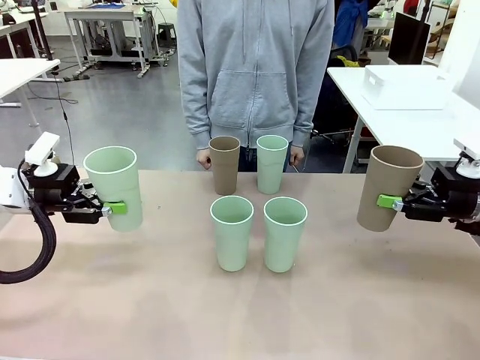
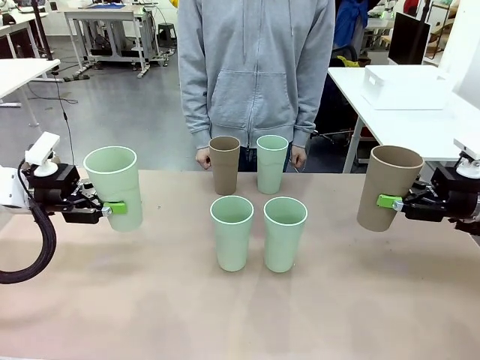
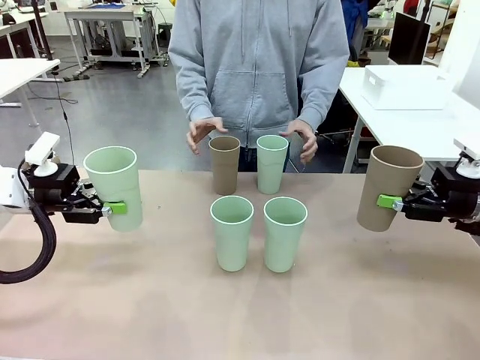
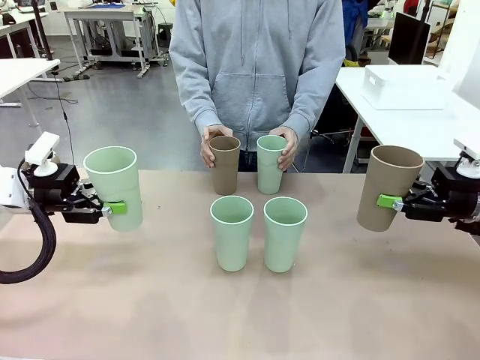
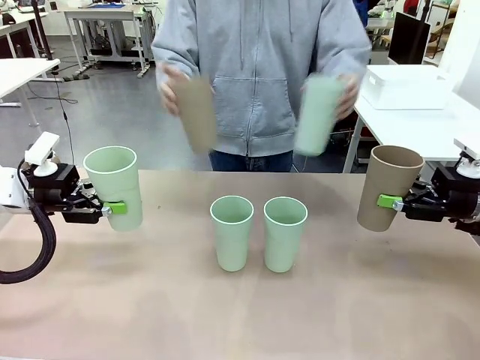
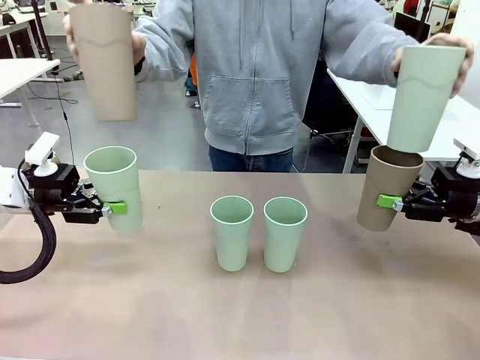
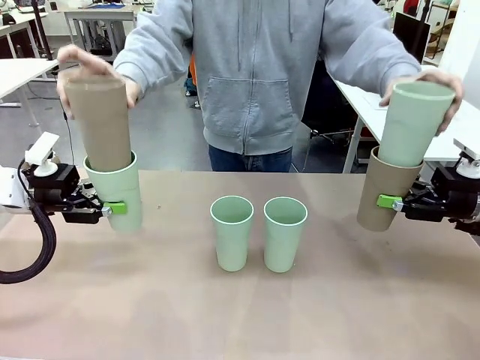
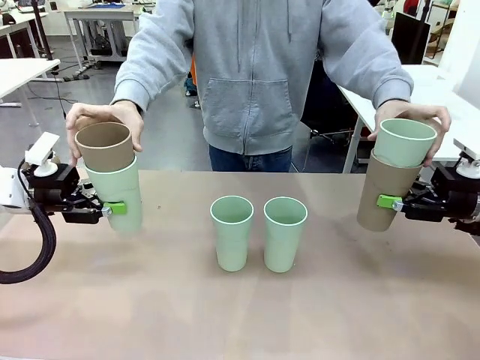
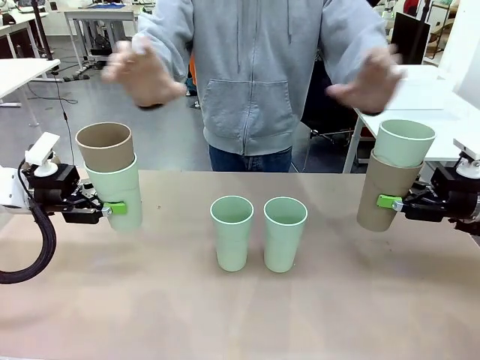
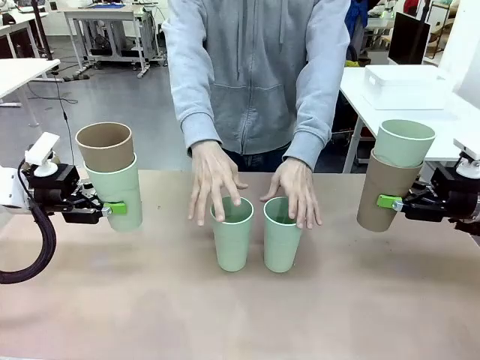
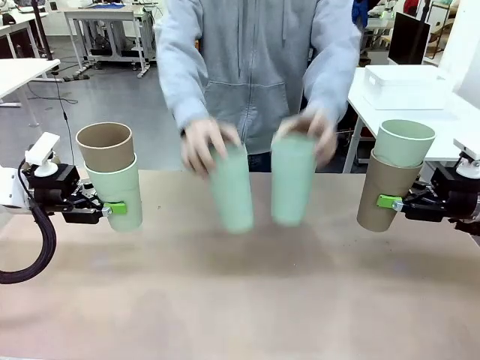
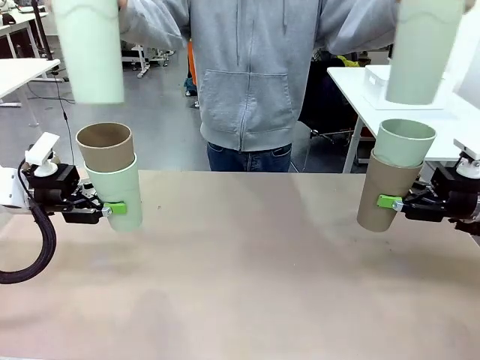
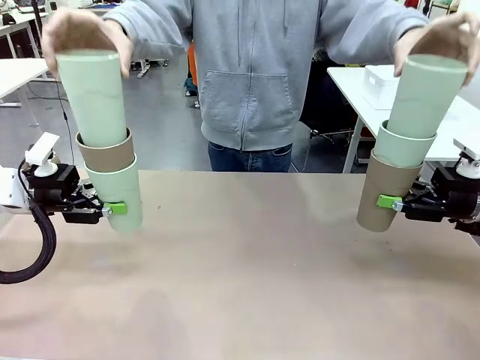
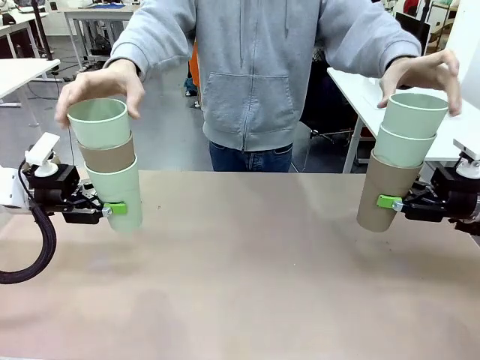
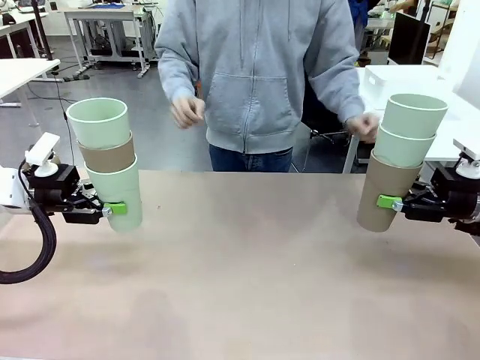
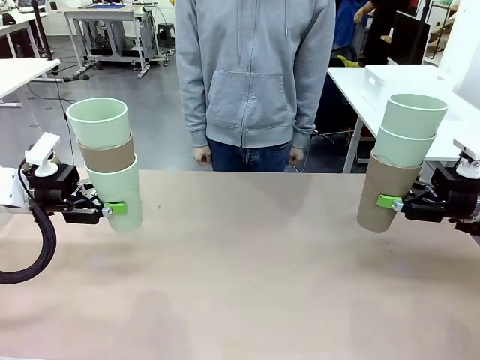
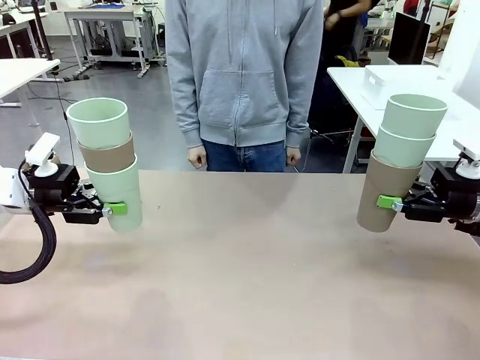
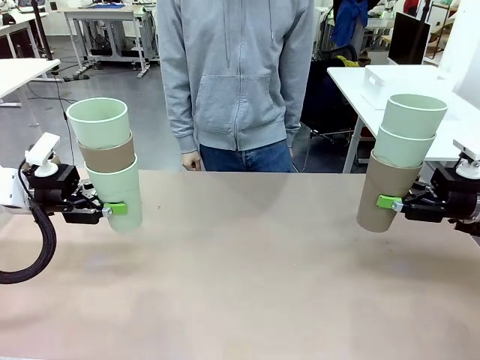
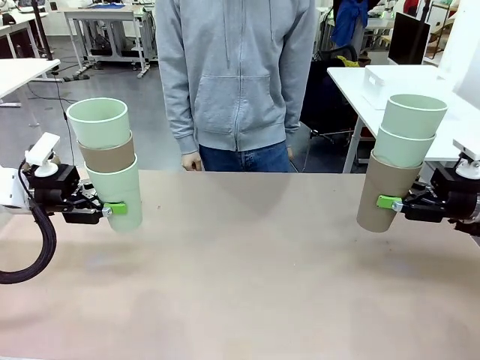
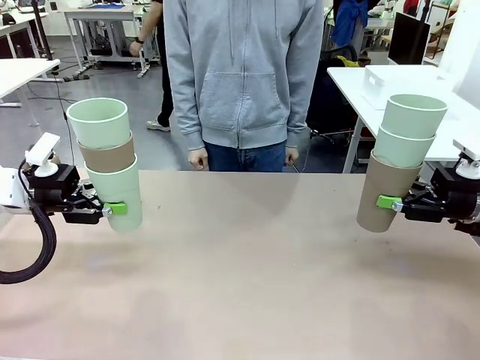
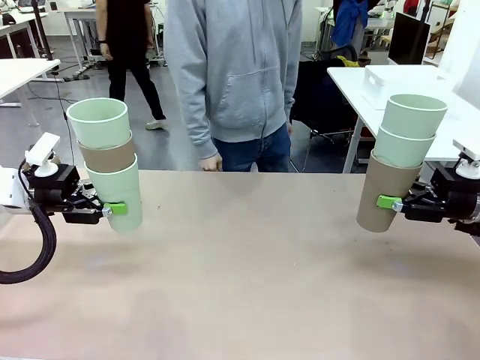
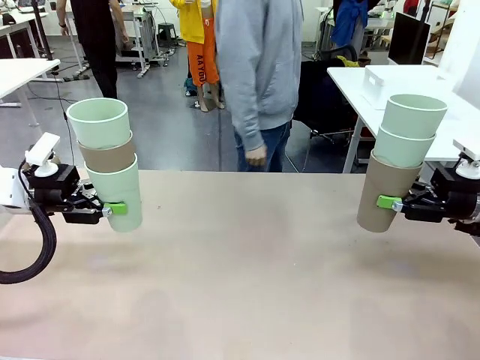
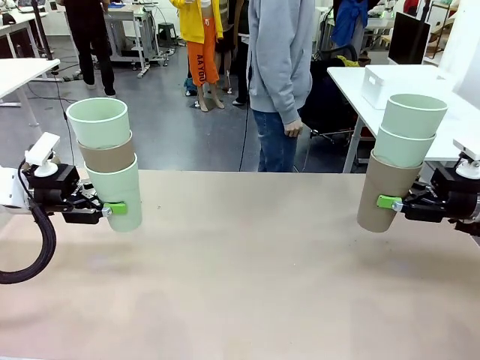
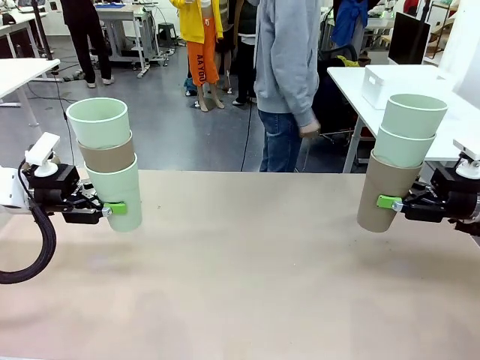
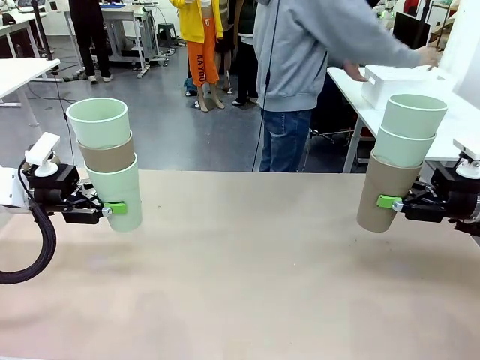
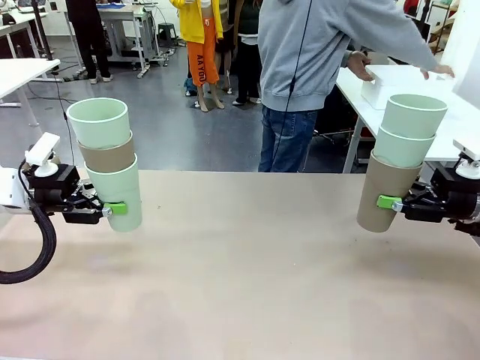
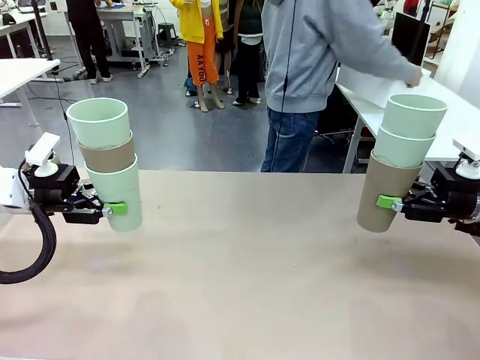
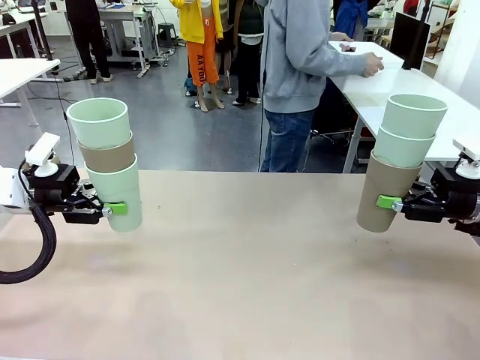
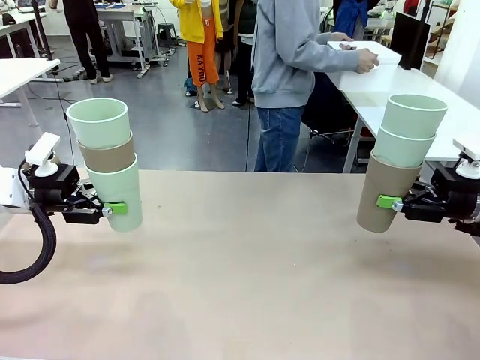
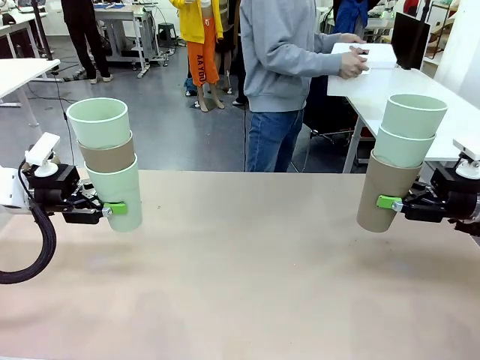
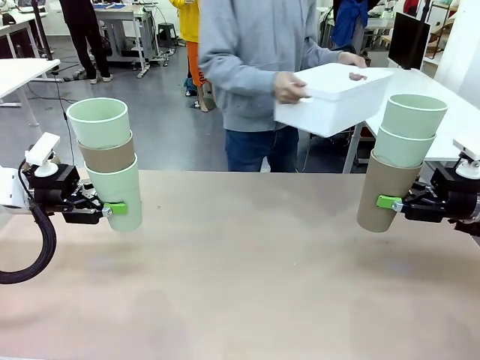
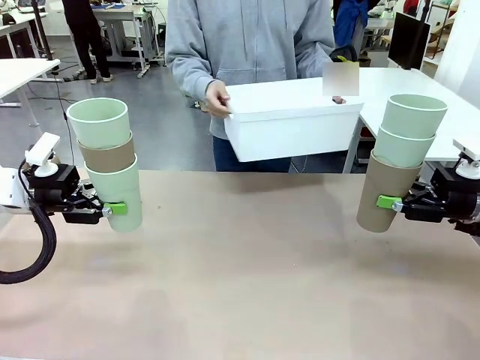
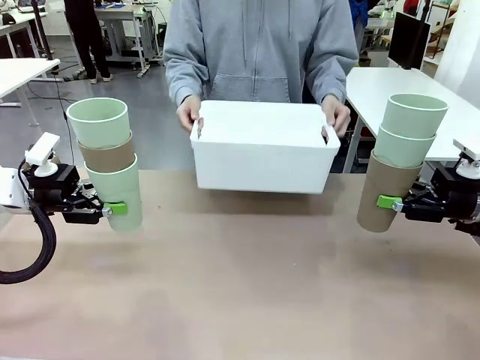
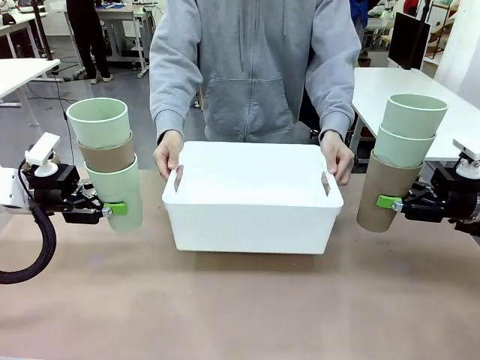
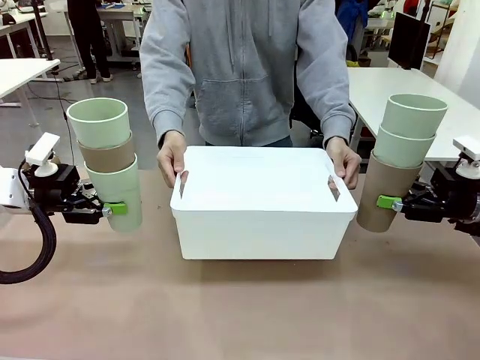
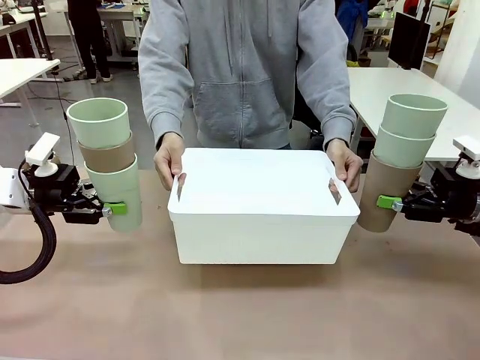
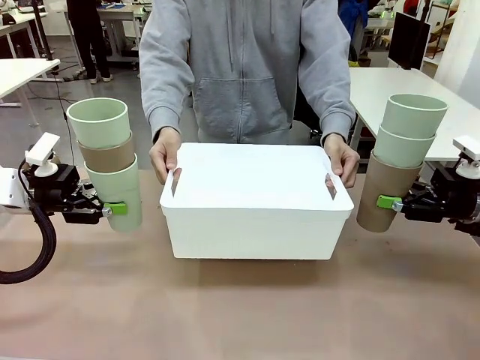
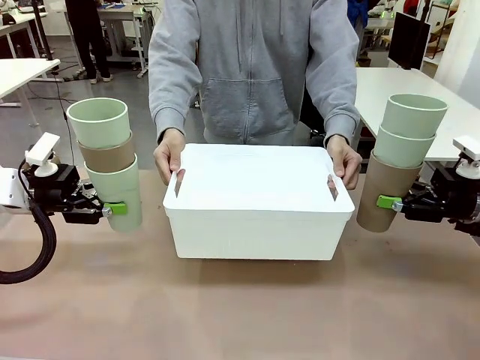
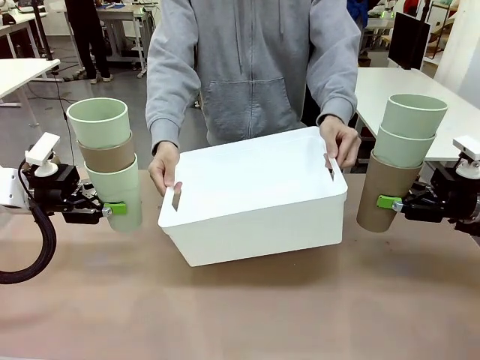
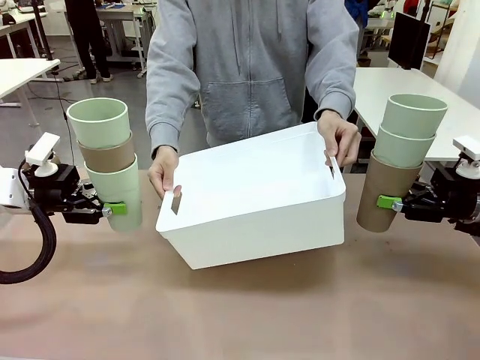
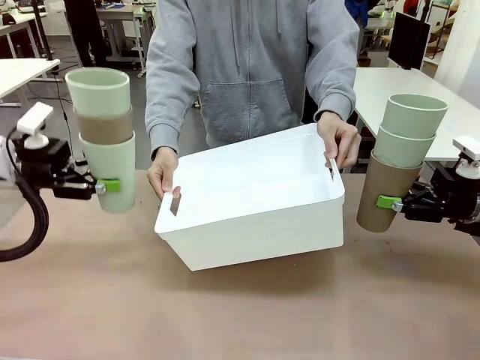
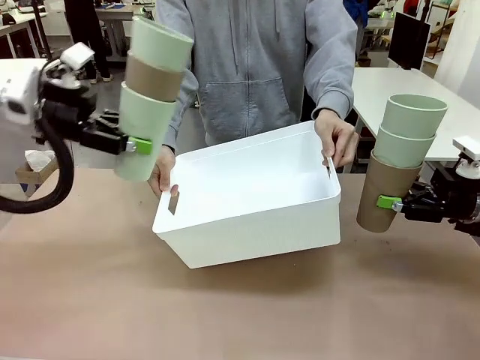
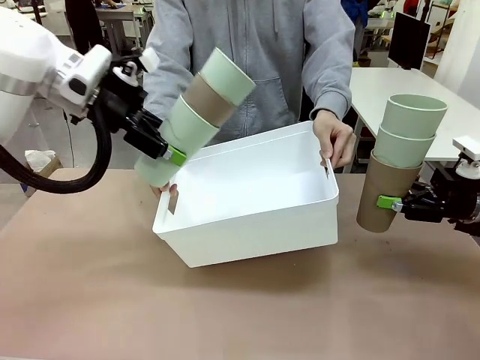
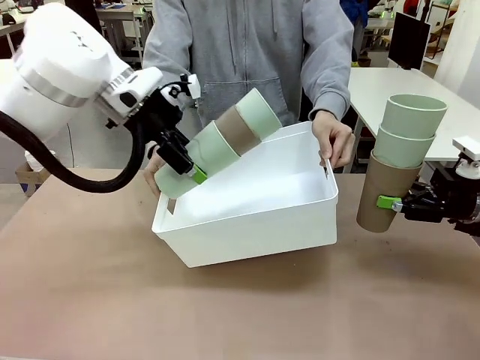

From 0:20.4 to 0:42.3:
Task: Stack the cups and store them in the basket.
Robot: Place the stack of Reusable plastic cups into the Pantry Basket.
Person: Pick up the basket from the Human Table, bring it to the front of the robot, and present it.

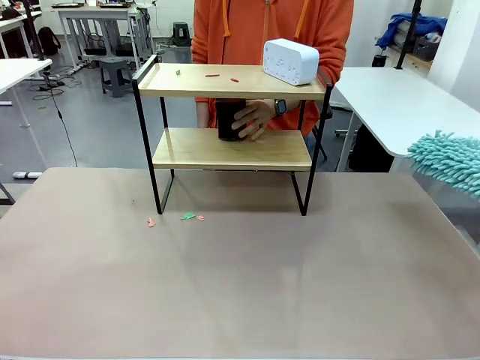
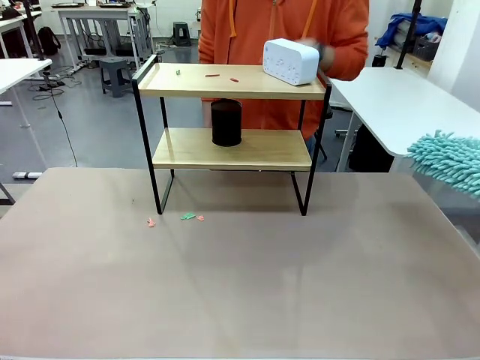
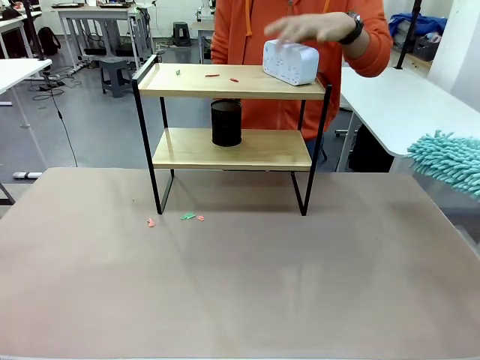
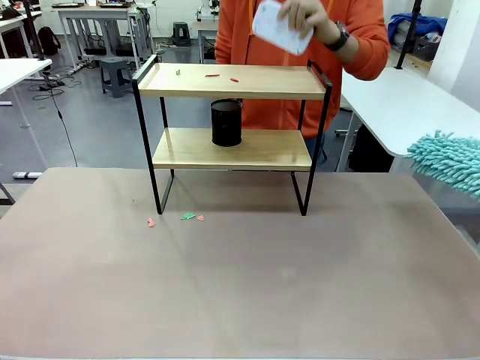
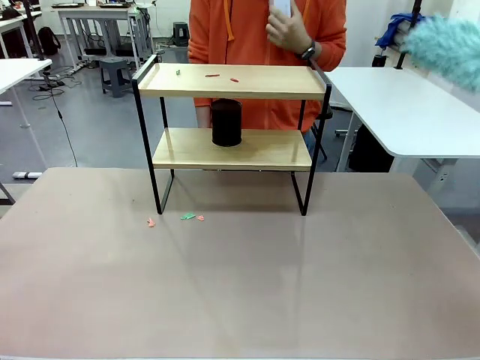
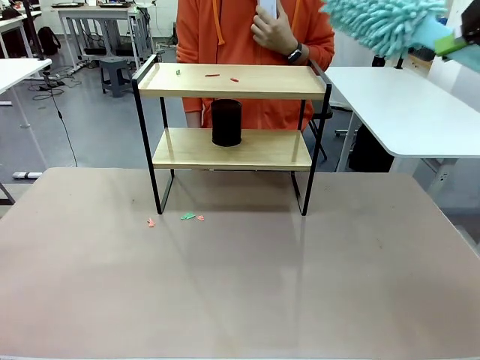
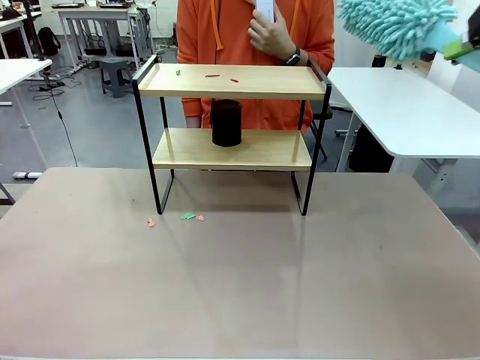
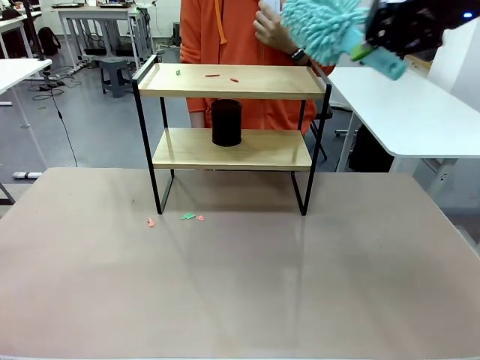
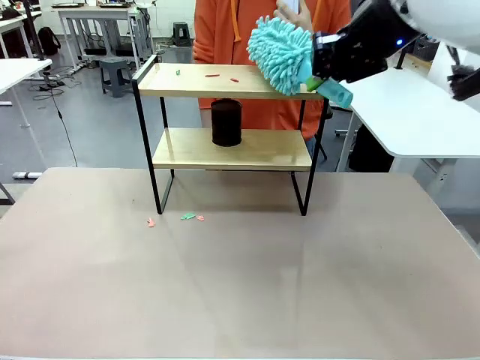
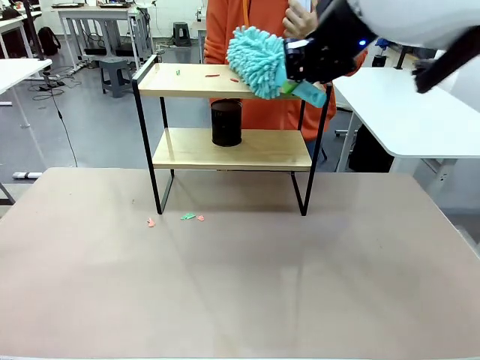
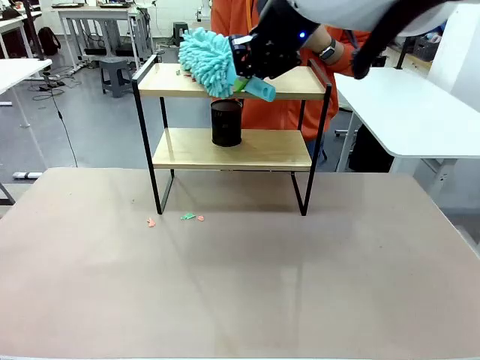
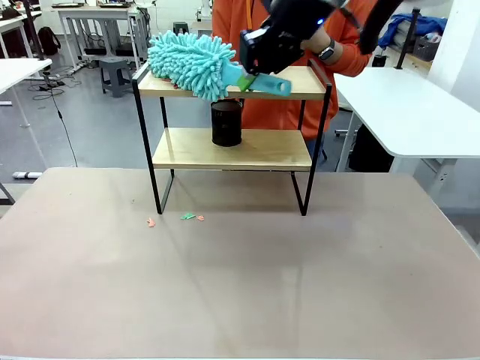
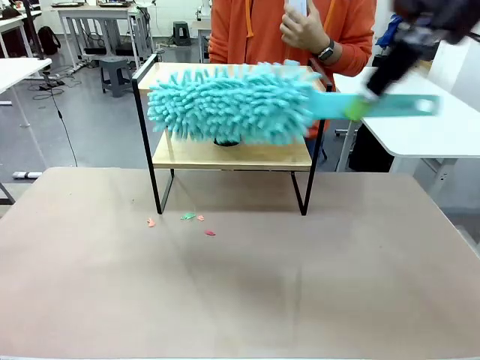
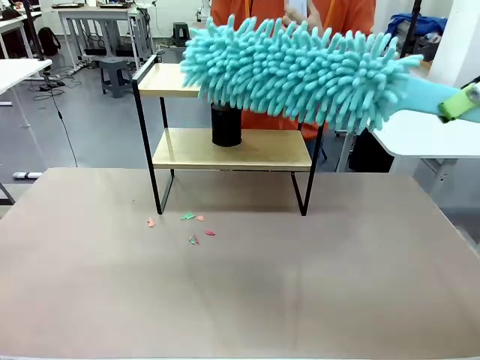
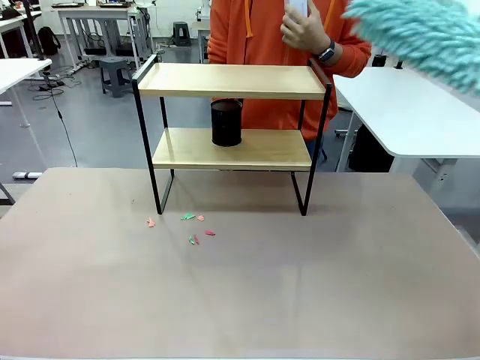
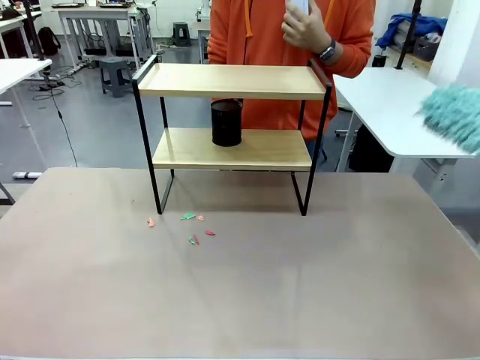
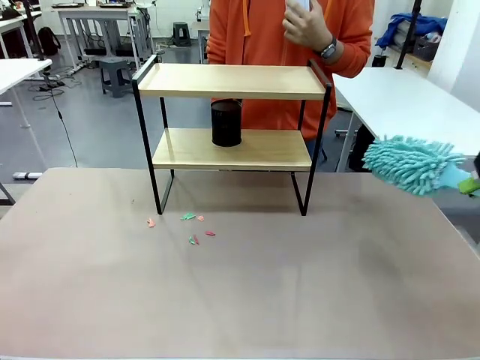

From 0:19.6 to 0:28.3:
Task: Clean the shelf.
Robot: Clean the remaining tier of the Shelf with the Duster once objects are removed.
